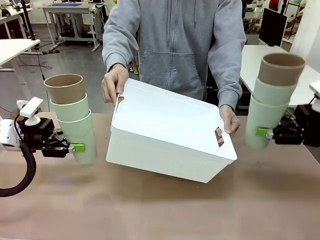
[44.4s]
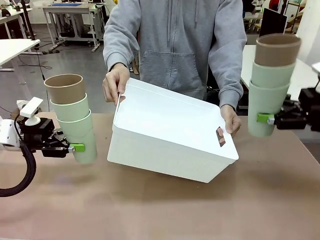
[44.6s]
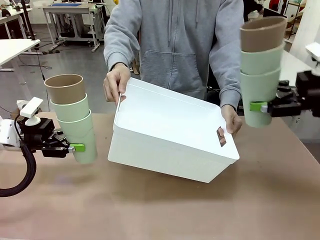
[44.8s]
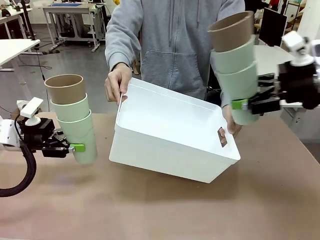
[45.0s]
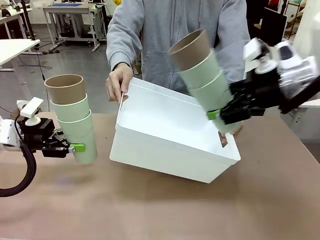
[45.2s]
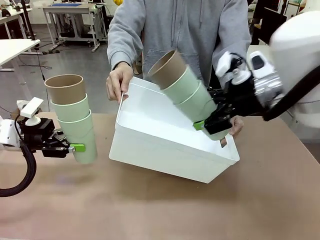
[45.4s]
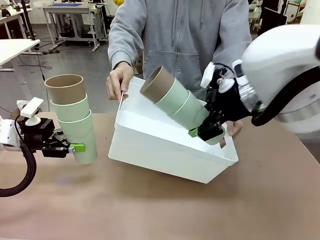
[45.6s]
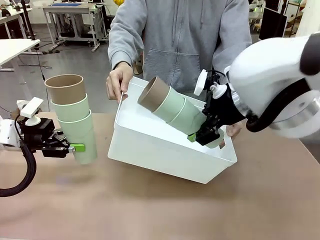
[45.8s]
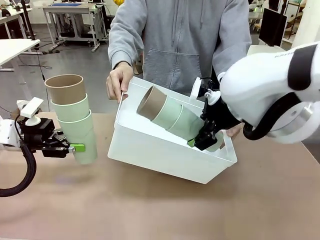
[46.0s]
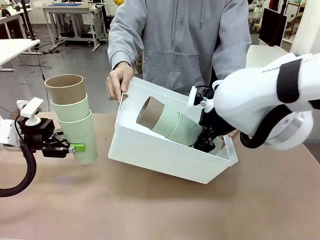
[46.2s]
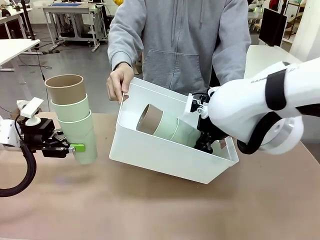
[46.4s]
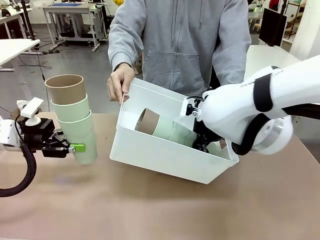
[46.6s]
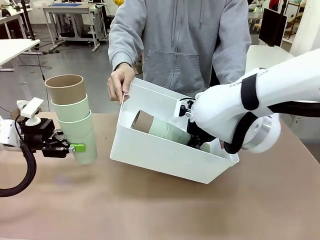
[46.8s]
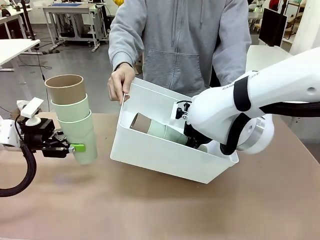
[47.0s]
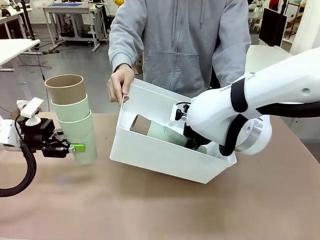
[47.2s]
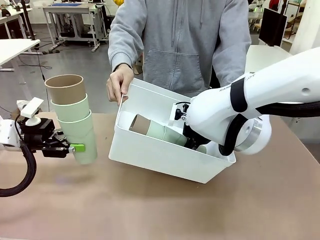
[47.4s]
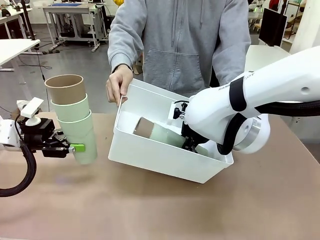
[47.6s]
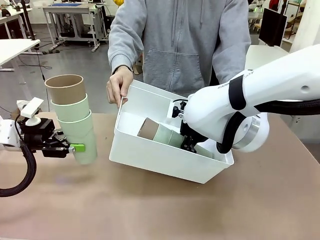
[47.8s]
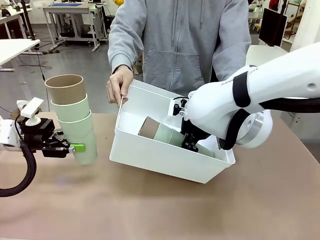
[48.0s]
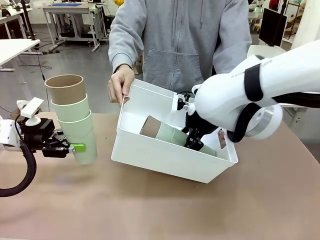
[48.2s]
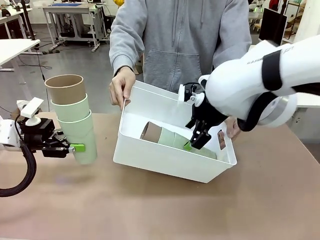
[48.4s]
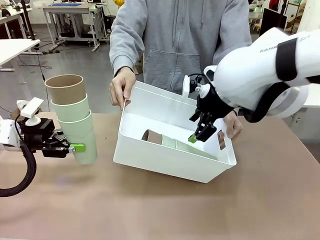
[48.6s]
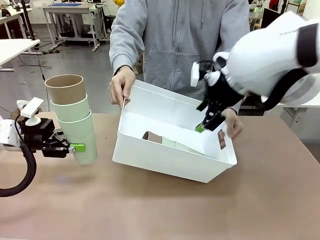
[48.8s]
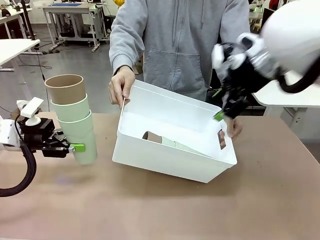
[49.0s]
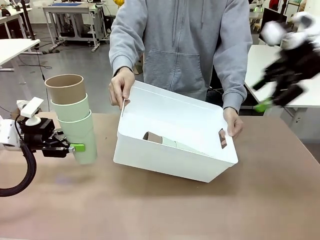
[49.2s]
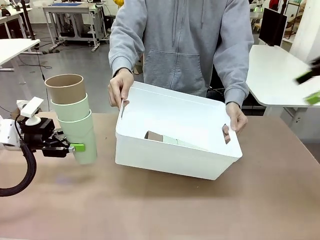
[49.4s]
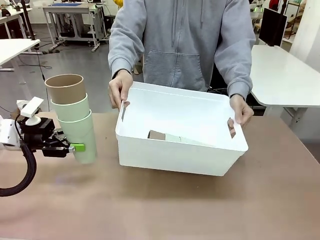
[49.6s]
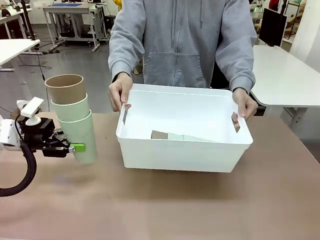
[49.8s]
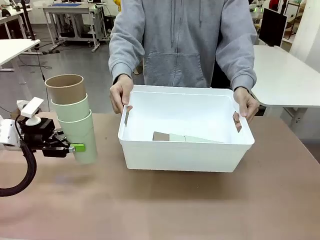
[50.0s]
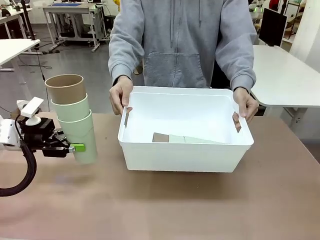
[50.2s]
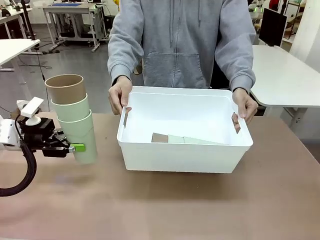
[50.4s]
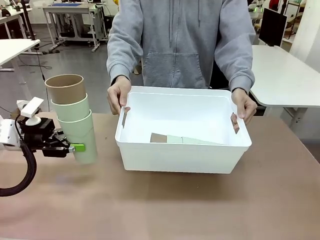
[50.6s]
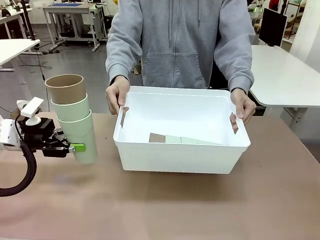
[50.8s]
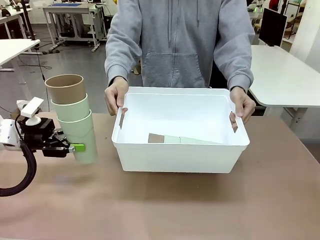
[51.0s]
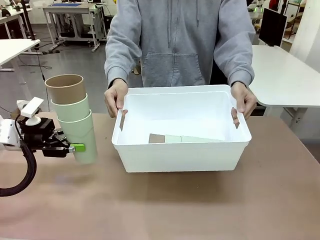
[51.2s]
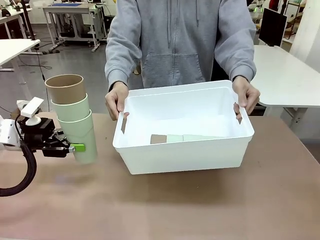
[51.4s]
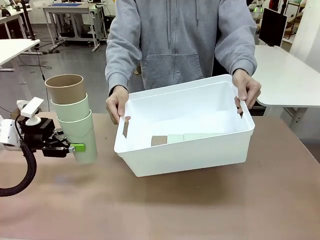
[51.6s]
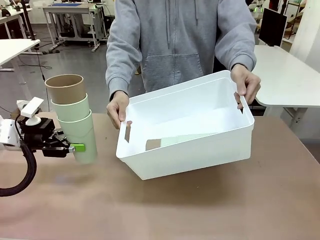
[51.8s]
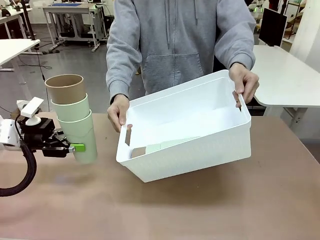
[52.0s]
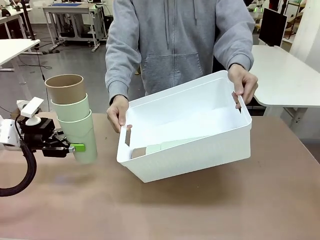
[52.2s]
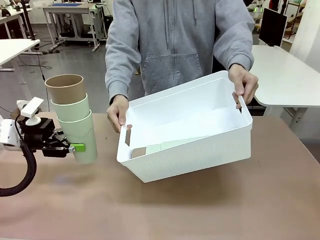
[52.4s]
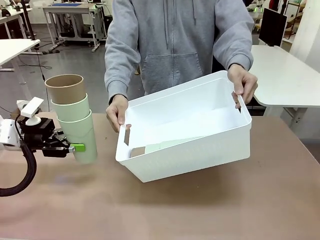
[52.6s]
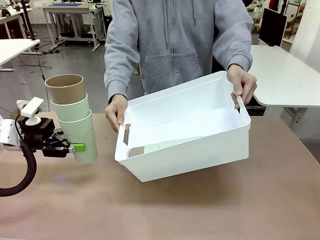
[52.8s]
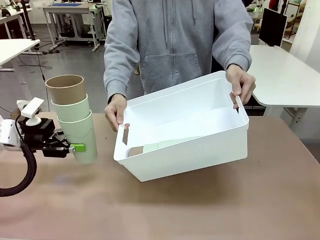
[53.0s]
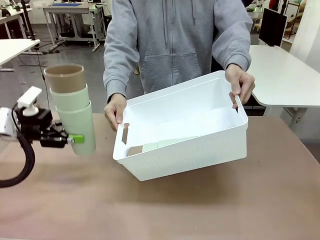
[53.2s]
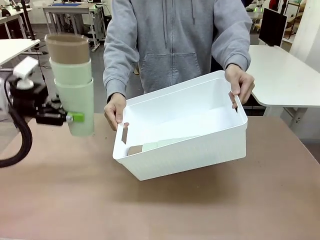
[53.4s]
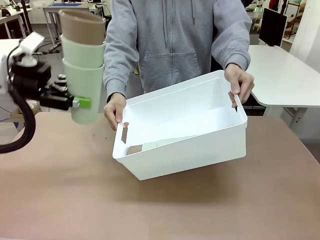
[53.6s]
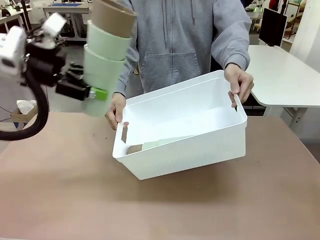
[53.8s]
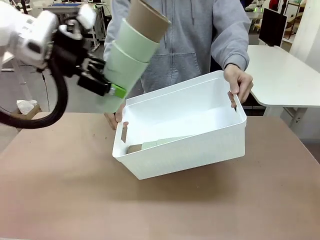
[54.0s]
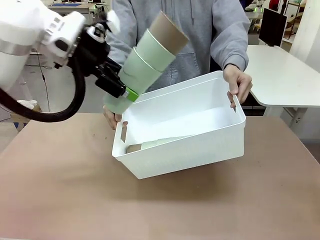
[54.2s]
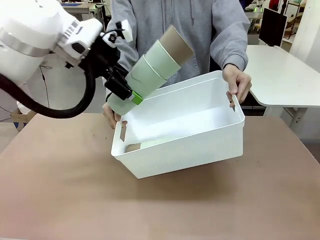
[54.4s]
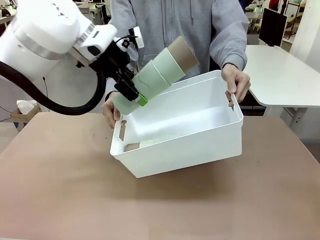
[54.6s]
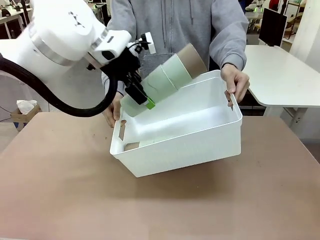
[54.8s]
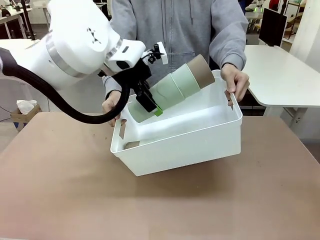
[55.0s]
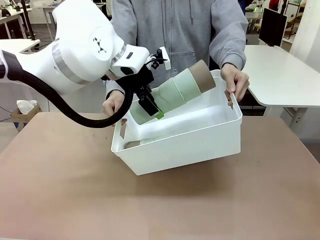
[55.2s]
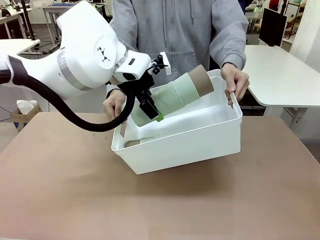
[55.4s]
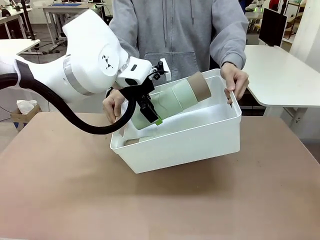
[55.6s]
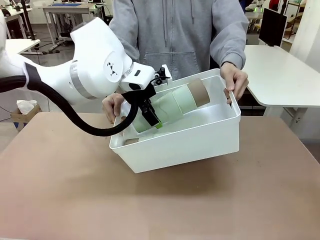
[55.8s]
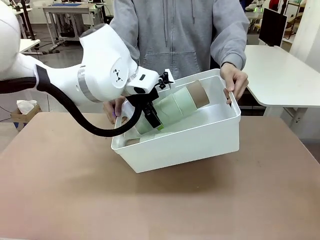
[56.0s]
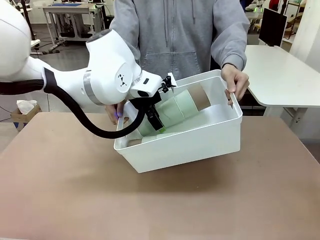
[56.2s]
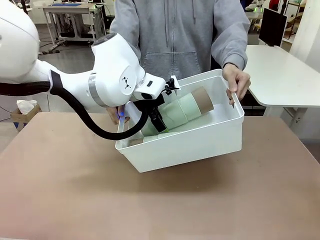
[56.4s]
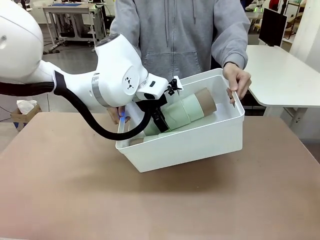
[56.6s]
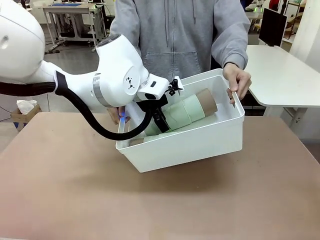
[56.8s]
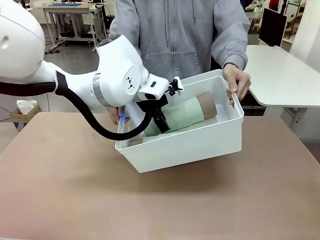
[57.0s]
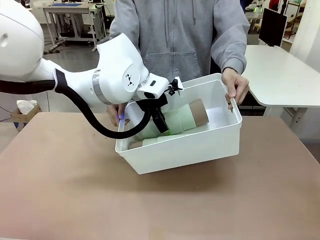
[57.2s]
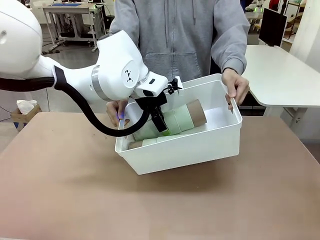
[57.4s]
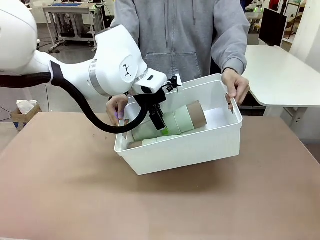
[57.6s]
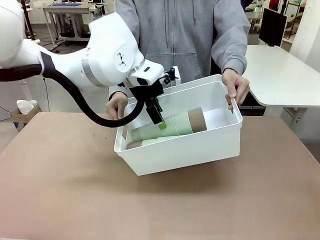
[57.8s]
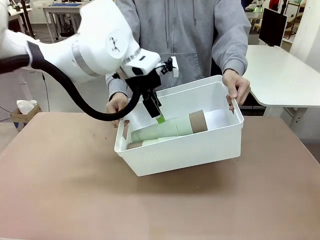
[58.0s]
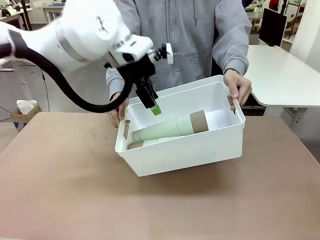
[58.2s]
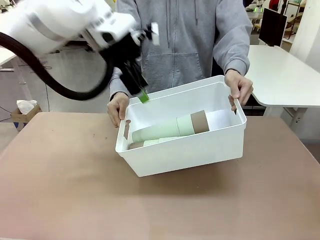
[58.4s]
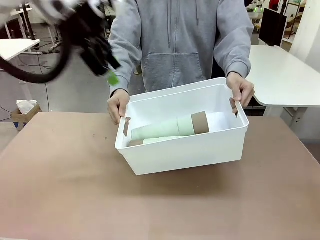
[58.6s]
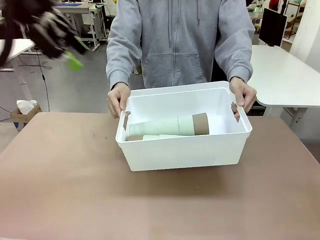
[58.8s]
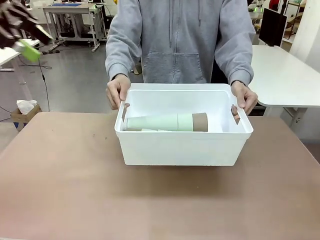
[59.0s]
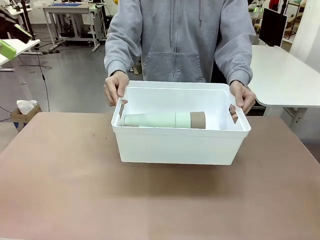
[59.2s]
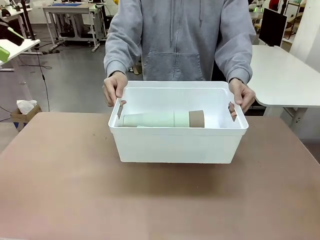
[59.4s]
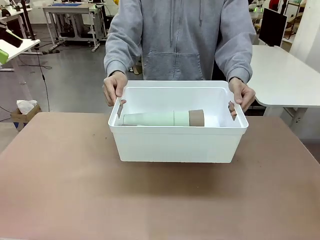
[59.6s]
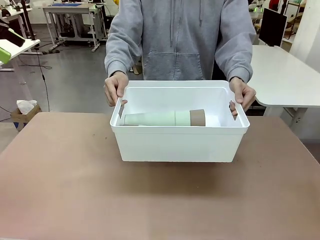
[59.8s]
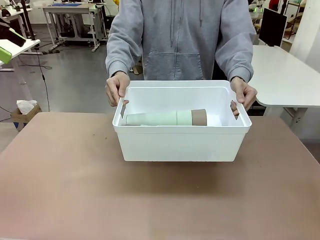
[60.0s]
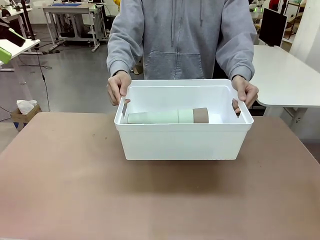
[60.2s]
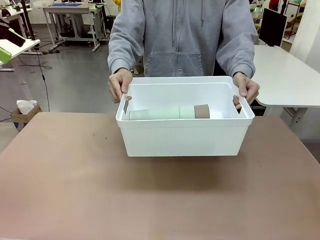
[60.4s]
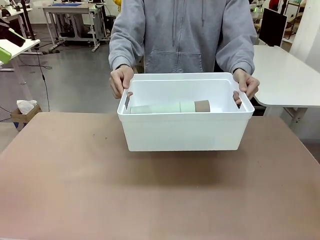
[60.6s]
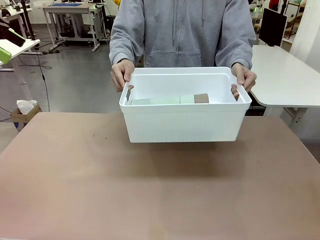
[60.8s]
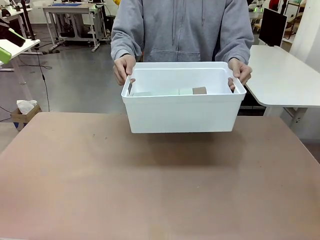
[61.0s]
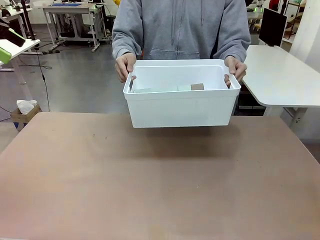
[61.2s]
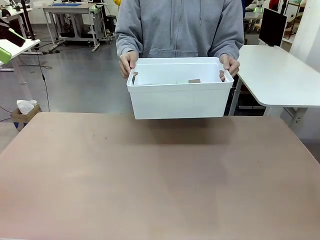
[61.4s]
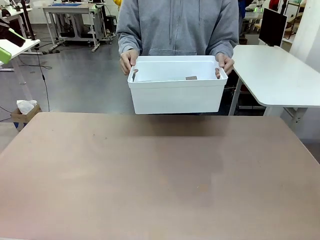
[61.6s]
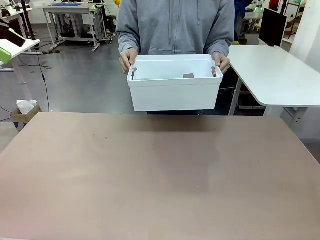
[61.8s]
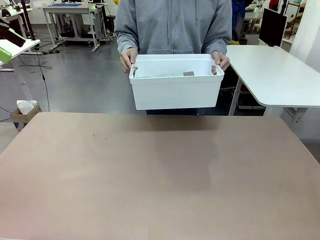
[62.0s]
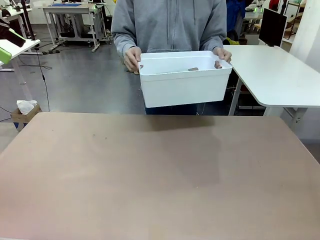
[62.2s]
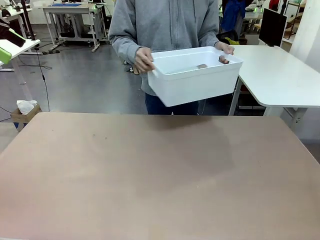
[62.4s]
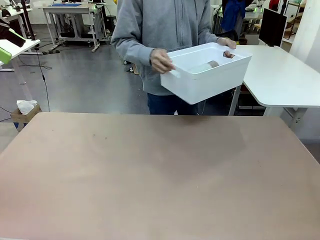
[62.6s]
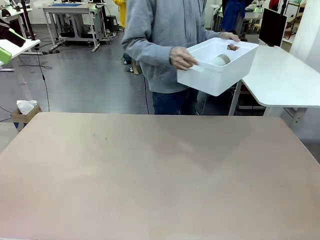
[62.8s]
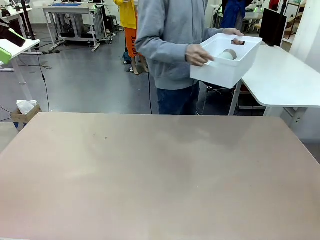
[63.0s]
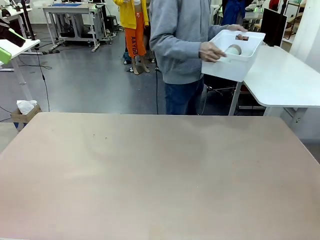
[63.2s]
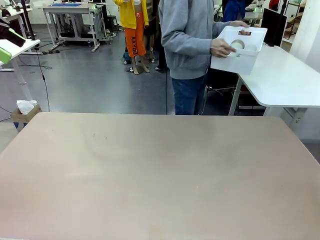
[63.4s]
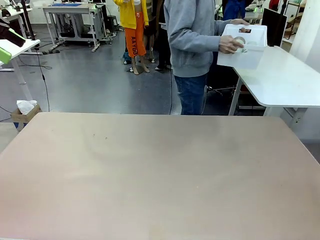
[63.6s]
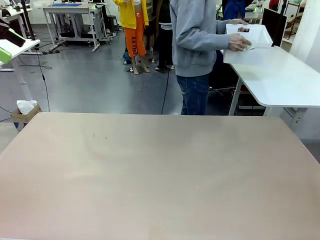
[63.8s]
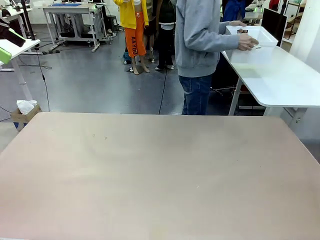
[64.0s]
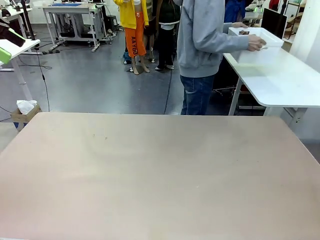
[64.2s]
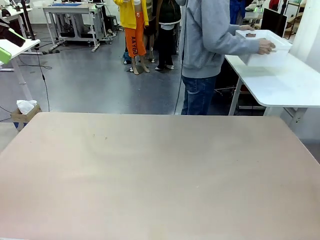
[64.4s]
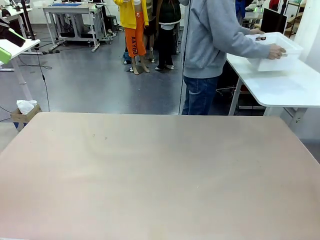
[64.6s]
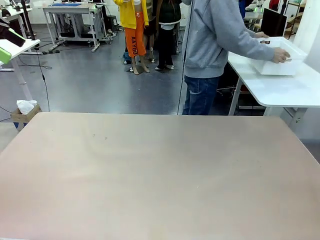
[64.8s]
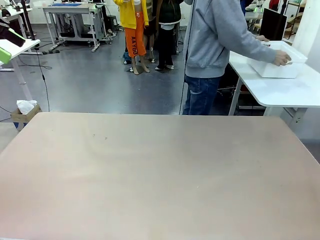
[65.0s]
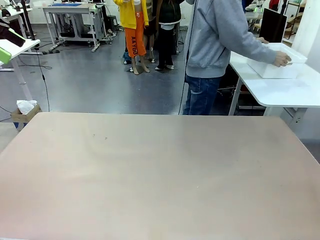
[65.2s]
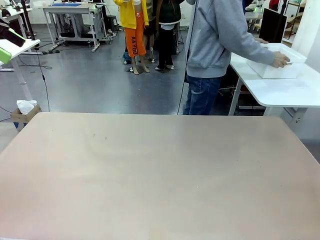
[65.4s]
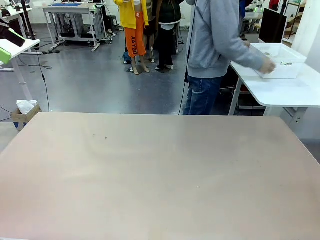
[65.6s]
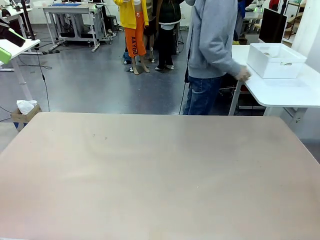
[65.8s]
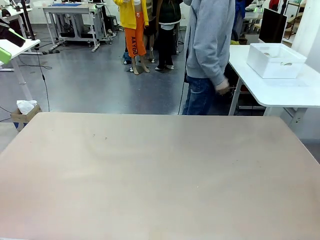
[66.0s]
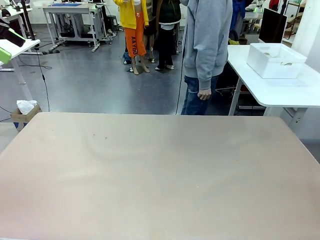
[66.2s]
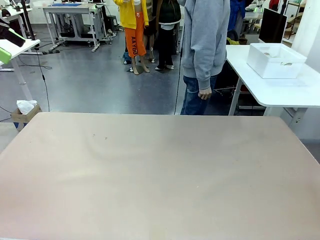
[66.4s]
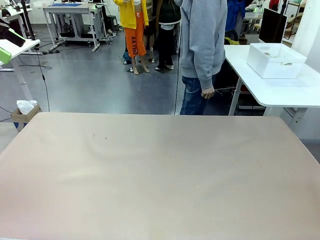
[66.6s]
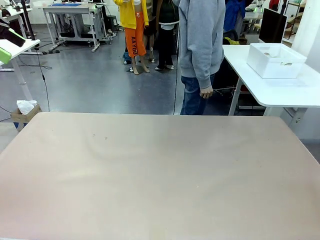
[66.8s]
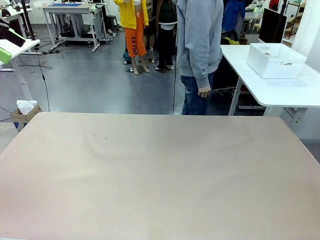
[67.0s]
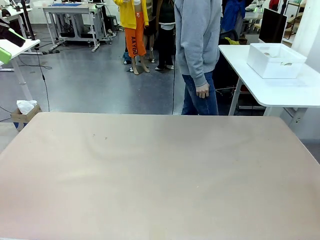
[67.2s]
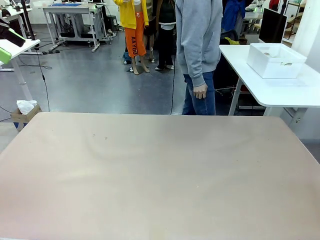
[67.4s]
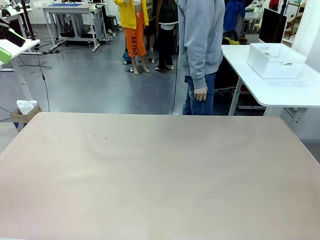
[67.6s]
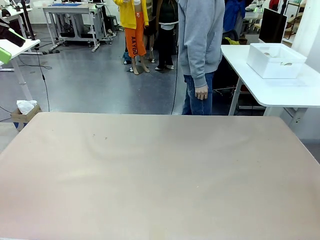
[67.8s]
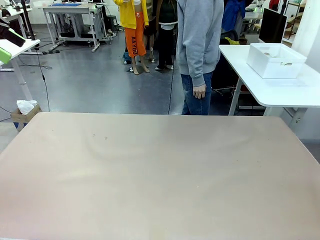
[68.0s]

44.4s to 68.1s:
Task: Stack the cups and store them in the basket.
Robot: Place the stack of Reusable plastic cups into the Pantry Basket.
Person: Place the basket containing the cups in the middle of the Human Table.
